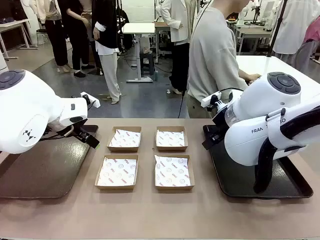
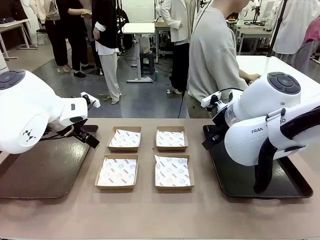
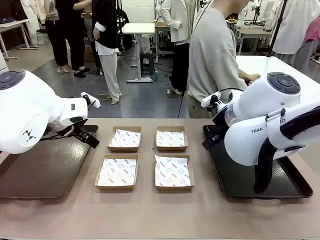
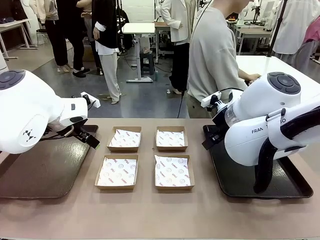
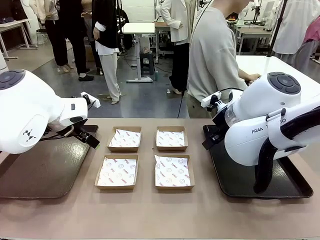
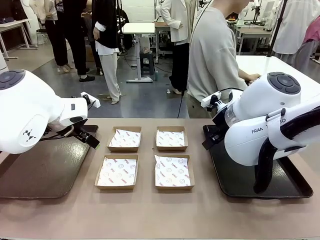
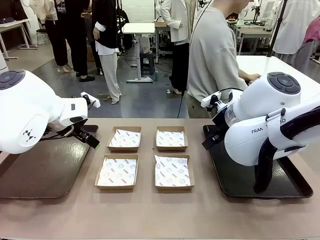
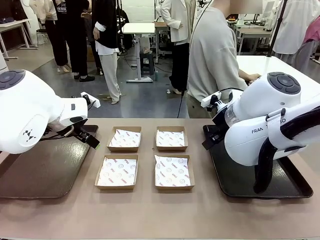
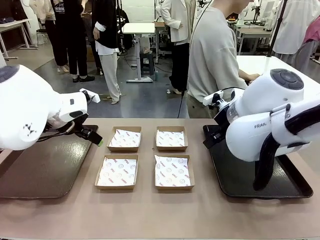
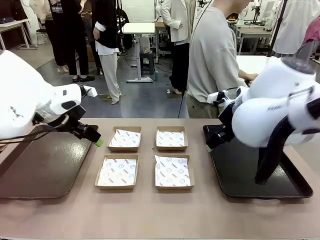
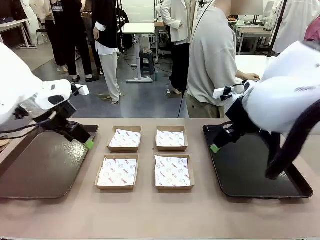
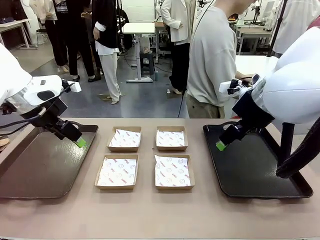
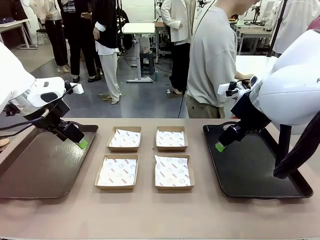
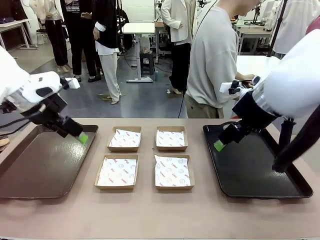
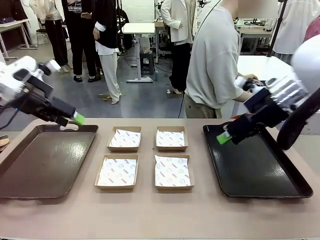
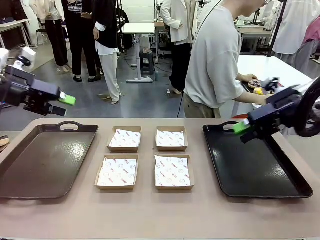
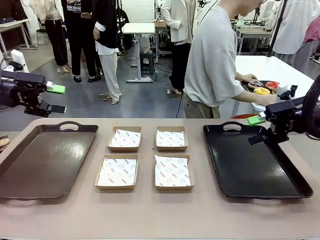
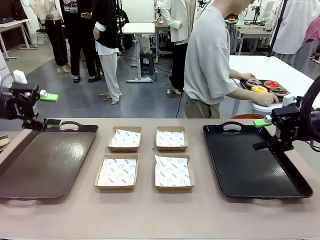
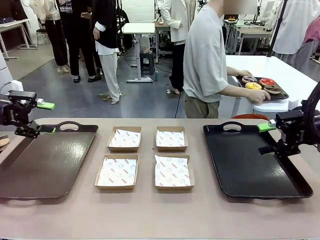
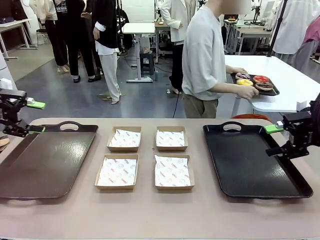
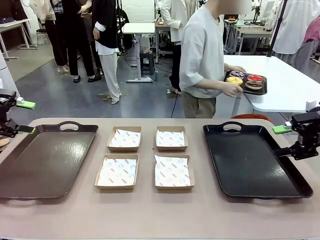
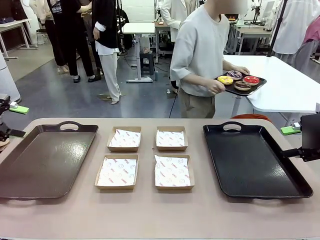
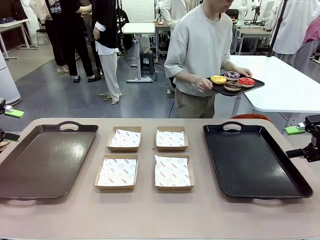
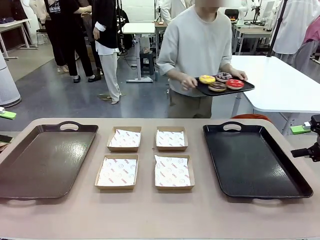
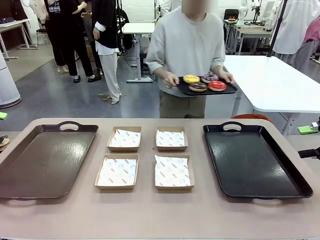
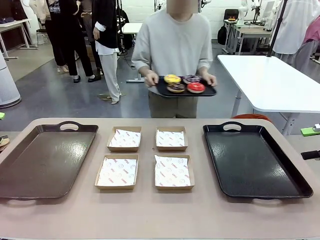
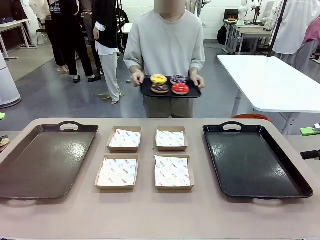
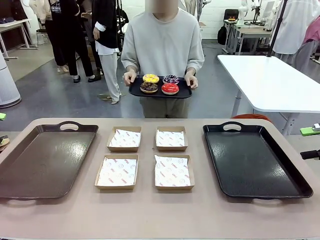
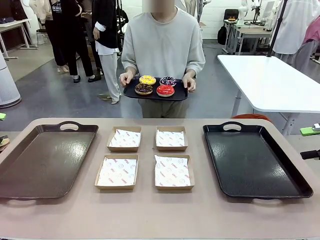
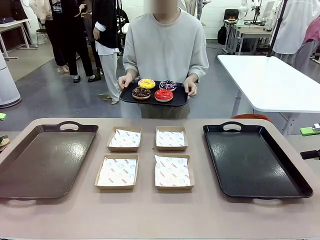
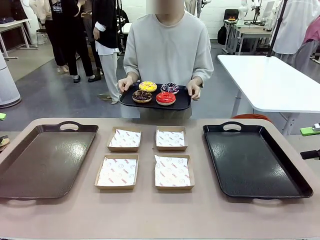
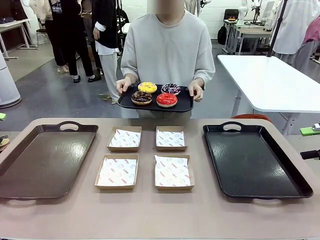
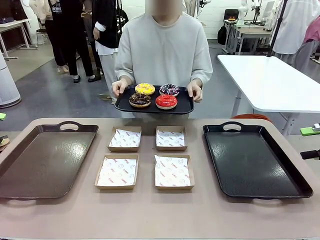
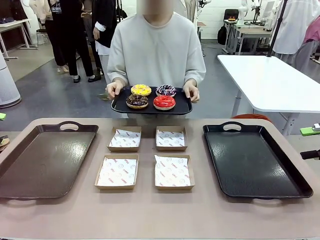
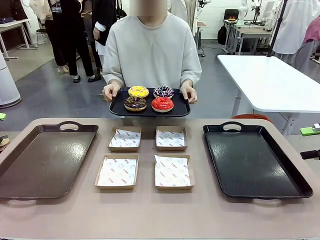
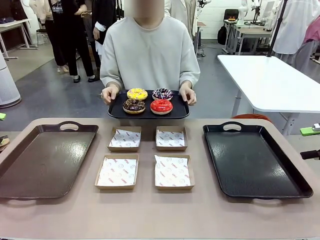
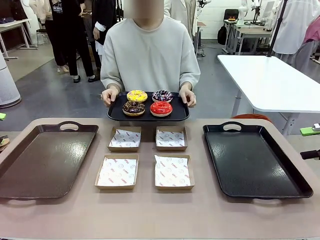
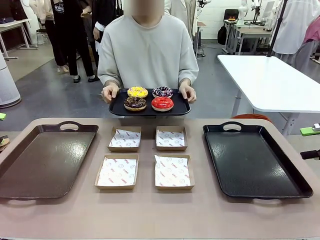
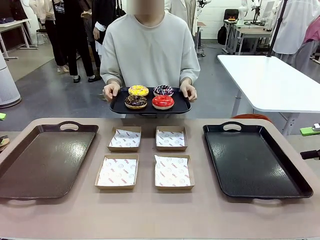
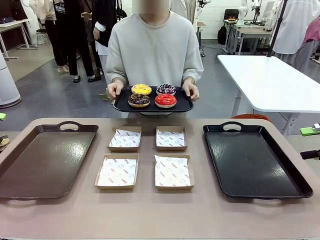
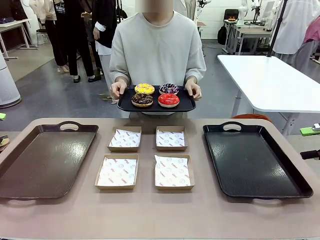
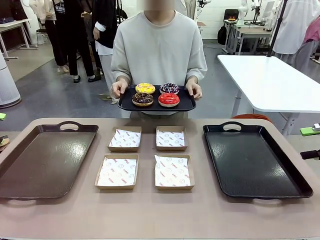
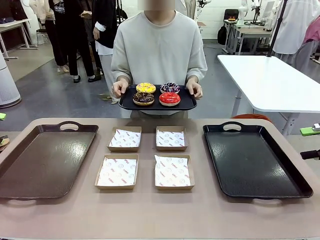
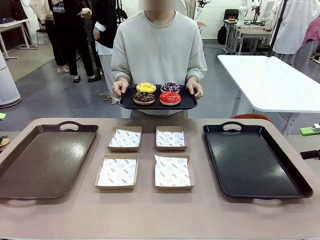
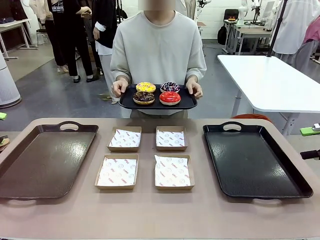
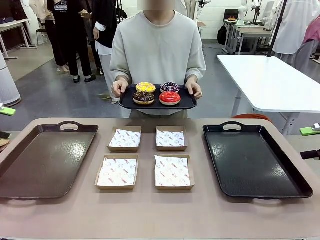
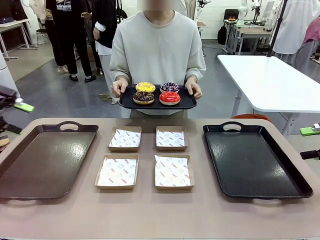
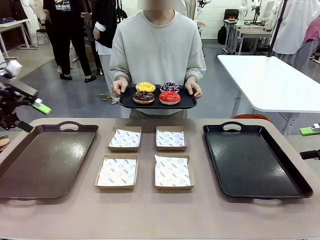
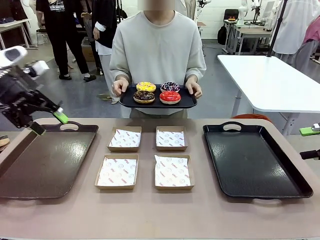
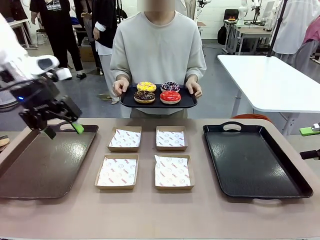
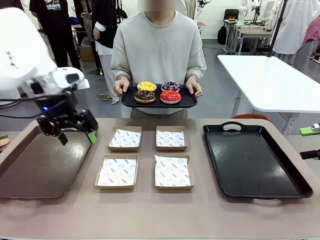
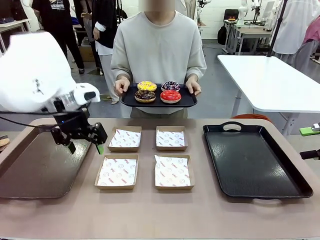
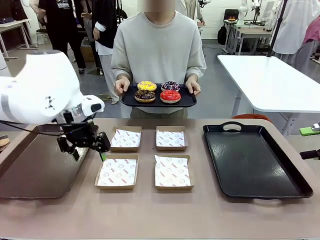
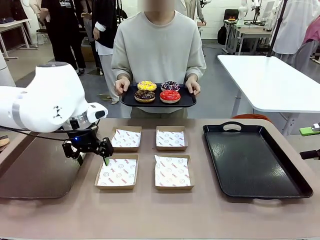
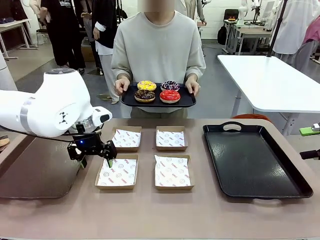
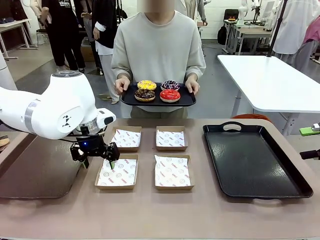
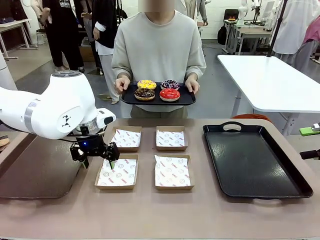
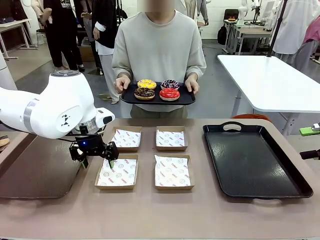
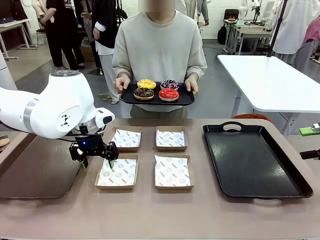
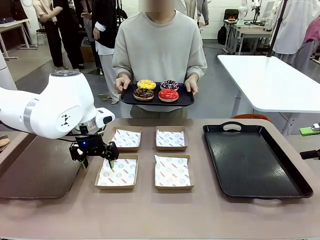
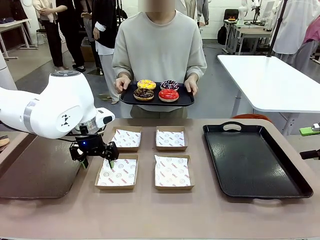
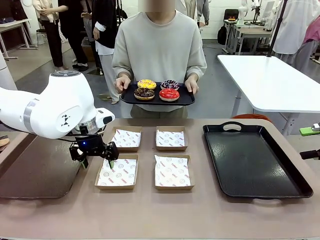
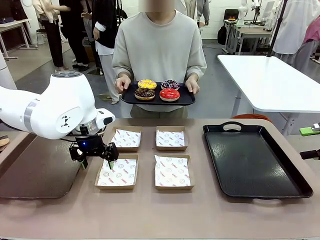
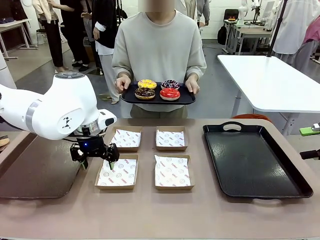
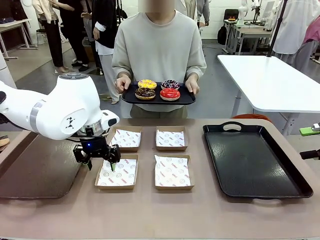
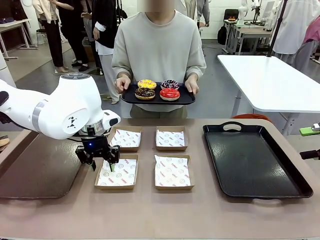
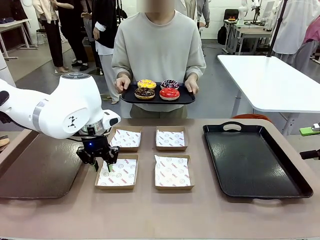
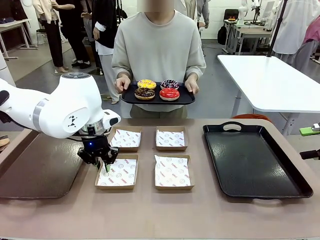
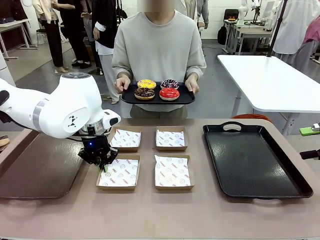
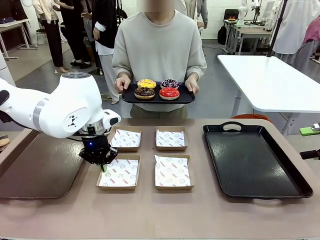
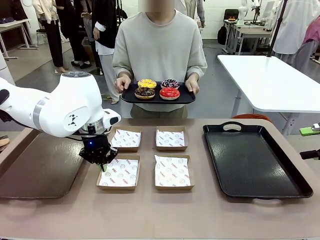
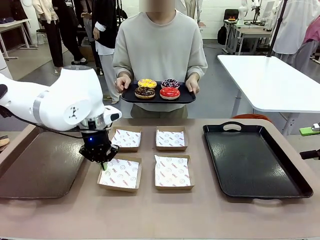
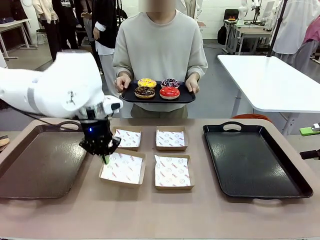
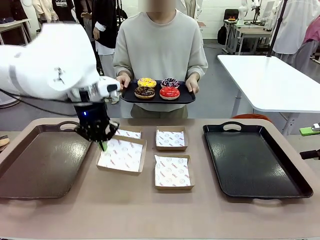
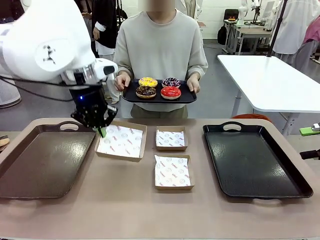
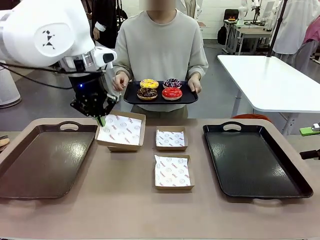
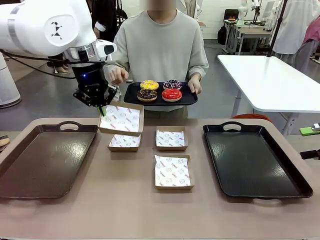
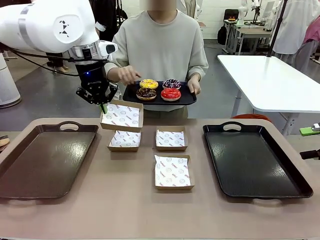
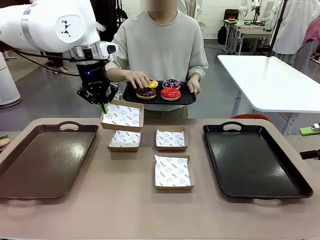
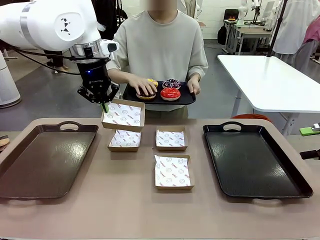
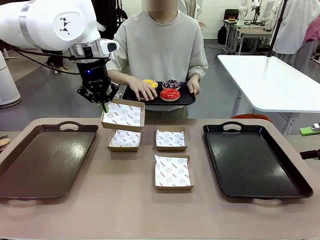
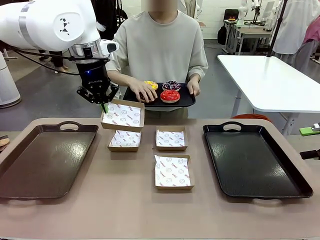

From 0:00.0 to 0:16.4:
Task: Individually package the donuts and arrange them on the tray.
Robot: Pick up one Paper togo box.
Person: Stand in front of the robot table holding the tray containing the donuts.
